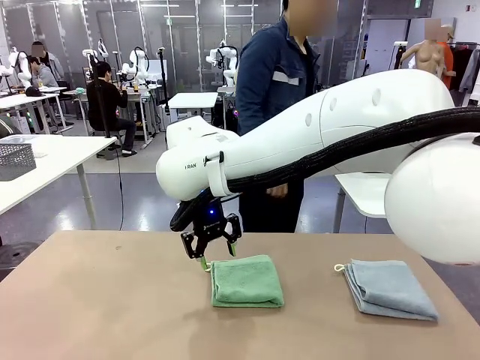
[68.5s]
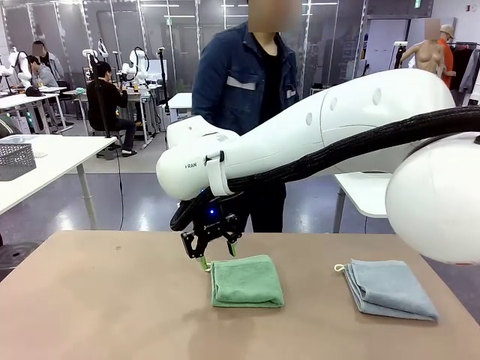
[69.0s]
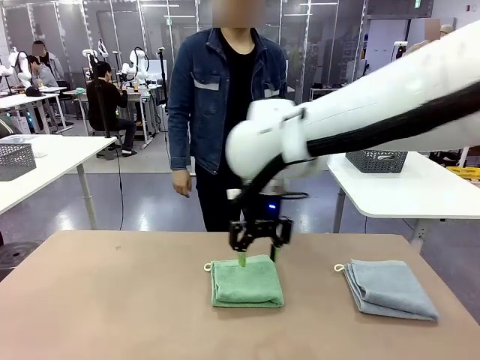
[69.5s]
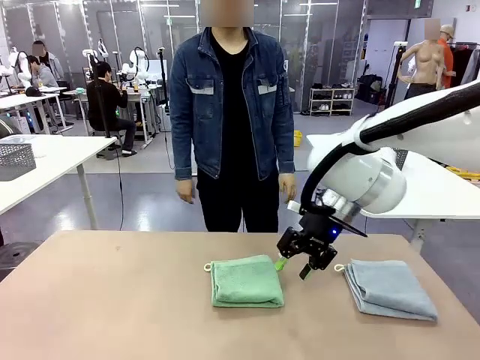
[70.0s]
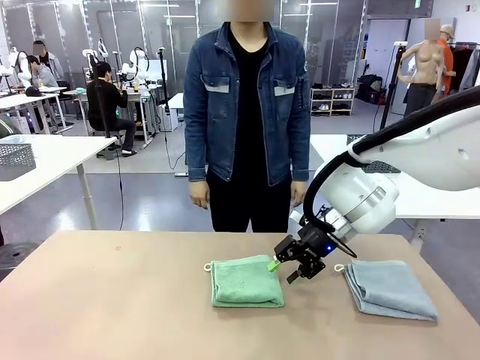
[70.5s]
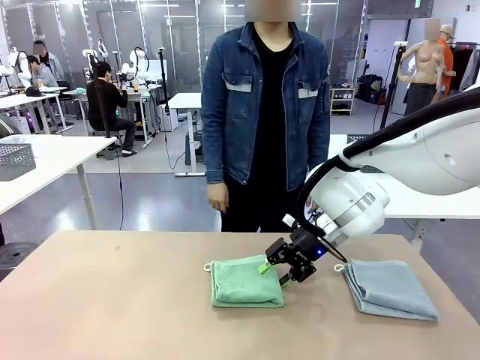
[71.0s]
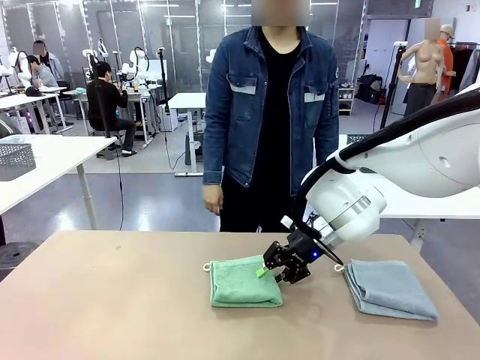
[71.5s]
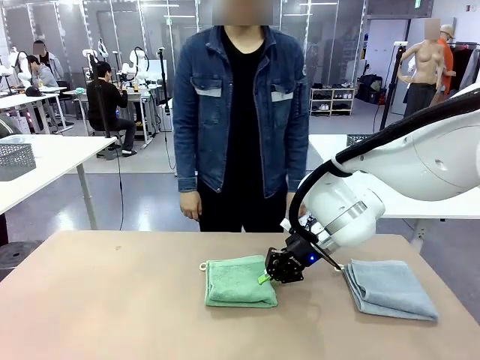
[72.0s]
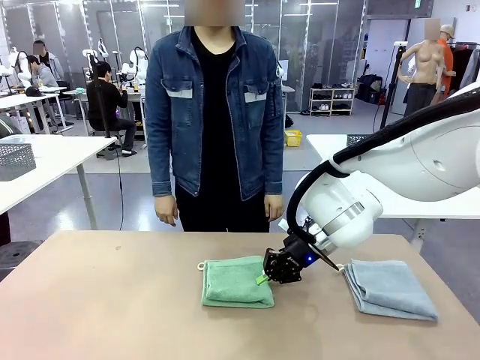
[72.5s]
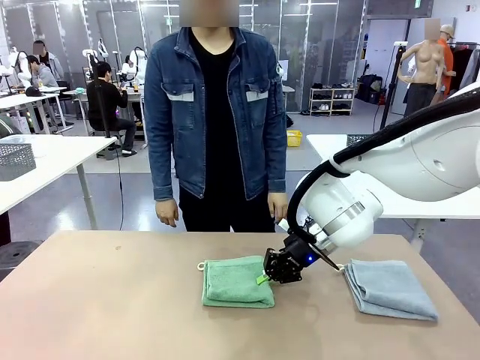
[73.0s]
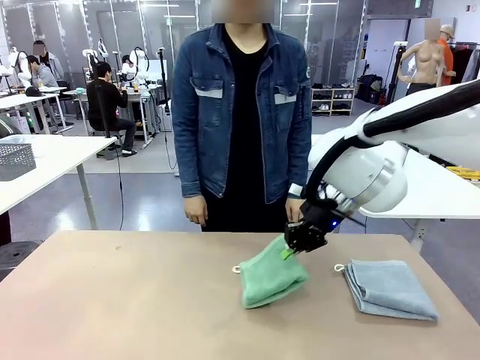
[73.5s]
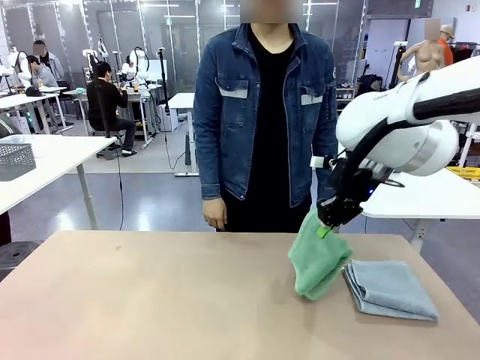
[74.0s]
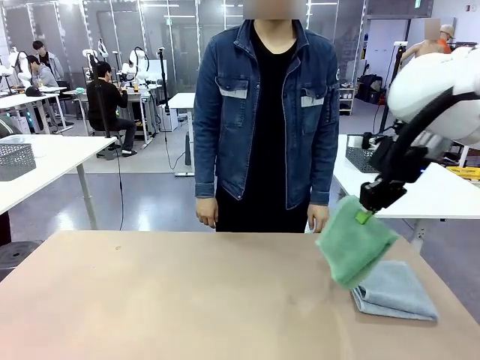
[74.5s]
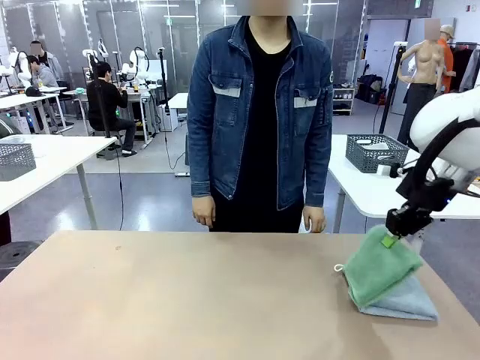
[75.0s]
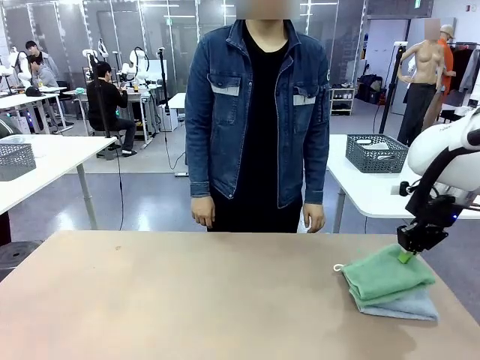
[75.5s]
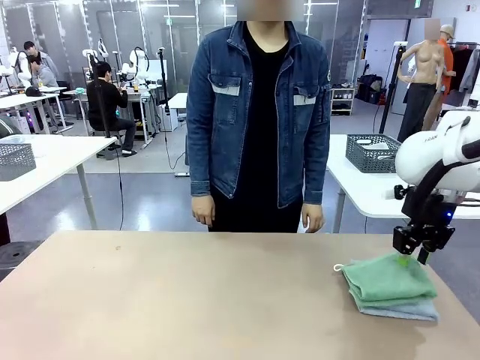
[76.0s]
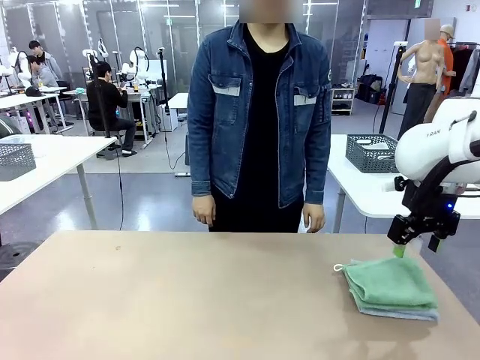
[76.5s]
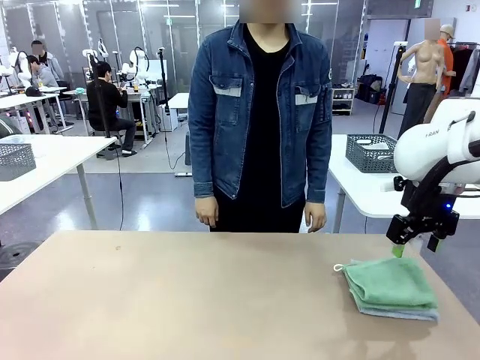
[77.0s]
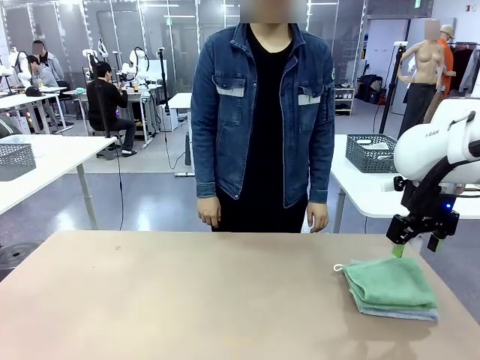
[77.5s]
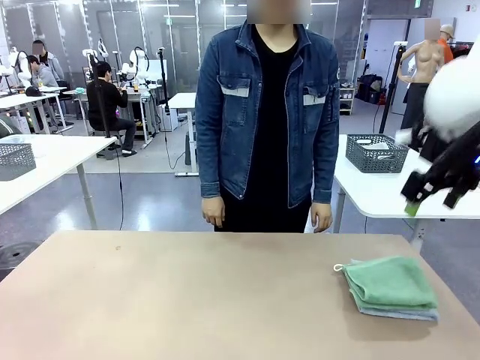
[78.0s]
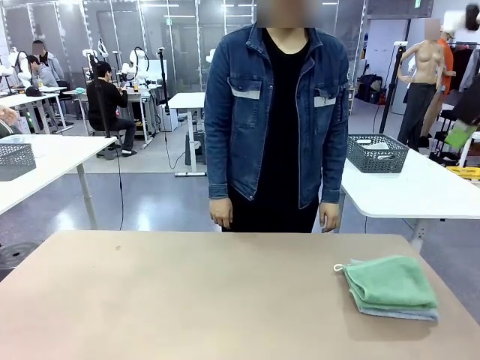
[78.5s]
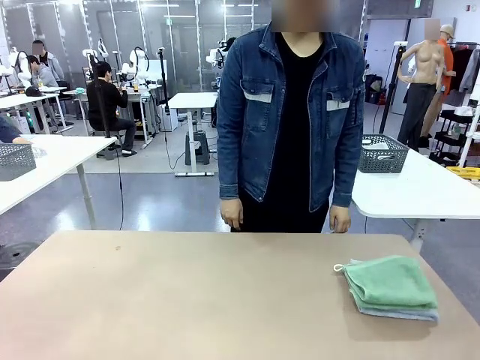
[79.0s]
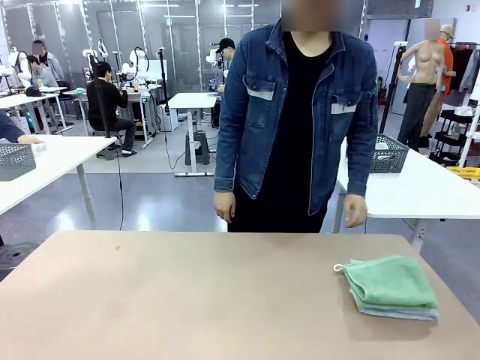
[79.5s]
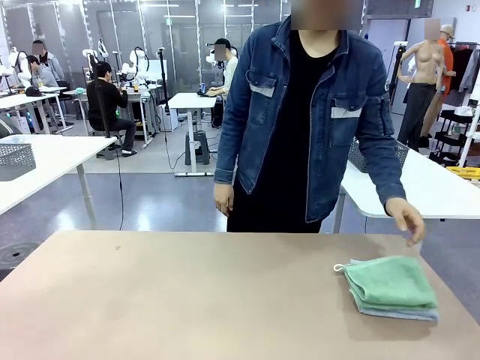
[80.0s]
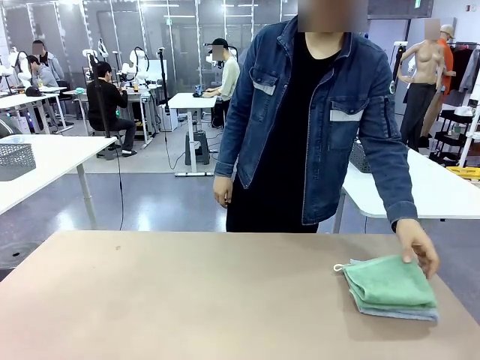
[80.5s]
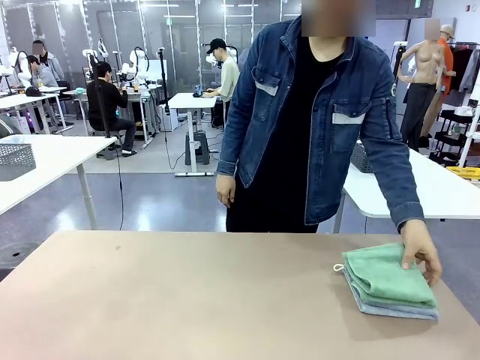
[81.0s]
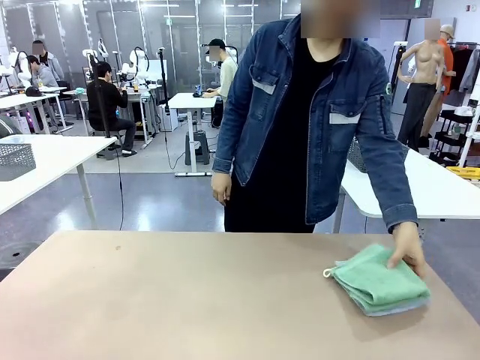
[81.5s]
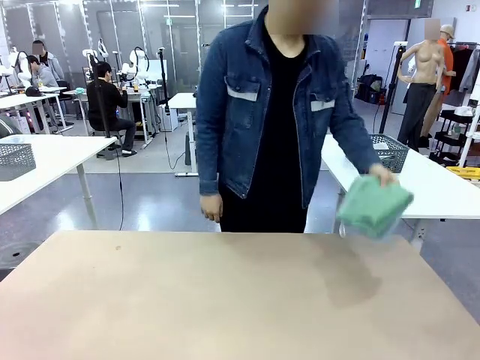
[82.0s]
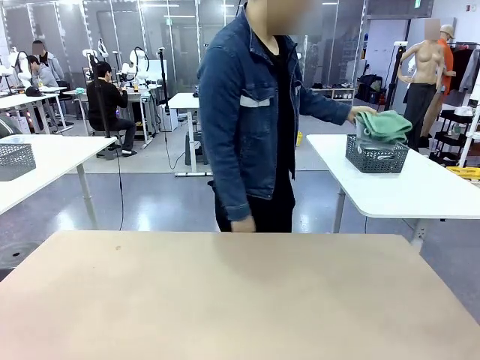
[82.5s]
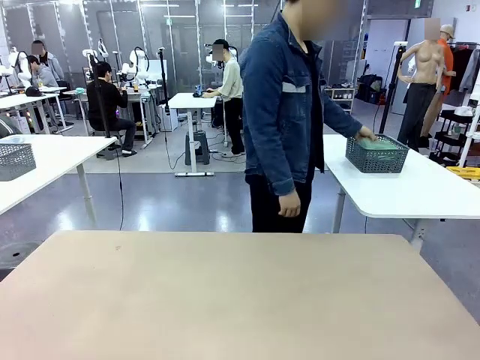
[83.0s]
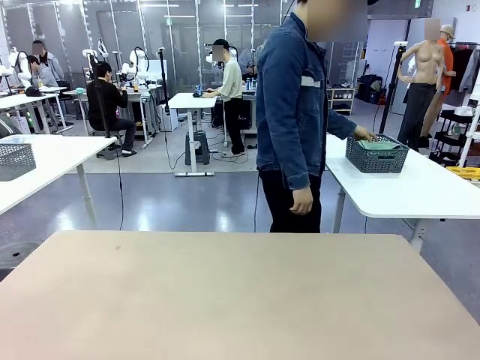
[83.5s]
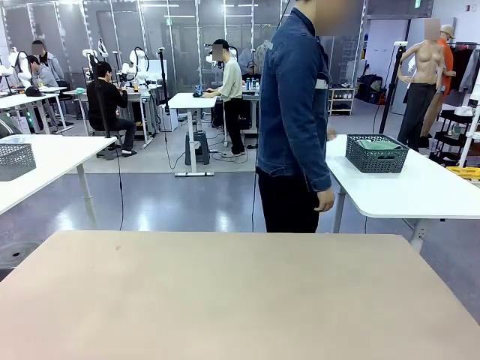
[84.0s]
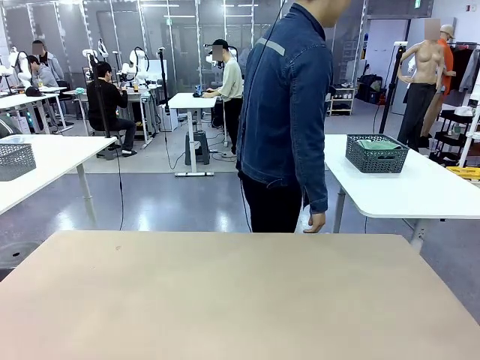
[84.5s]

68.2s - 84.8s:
Task: Fold the towels and place them in the basket.
Robot: Stack the folded Towel with hook on the right side of the table.
Person: Pick up the stack of towels from the robot table and place it into the basket.

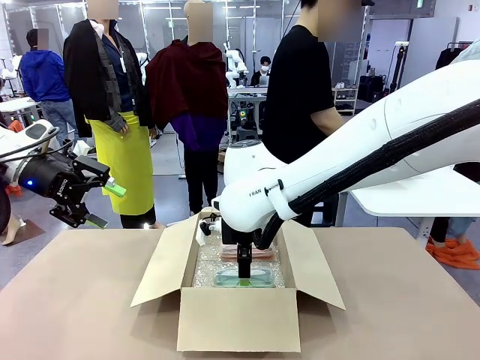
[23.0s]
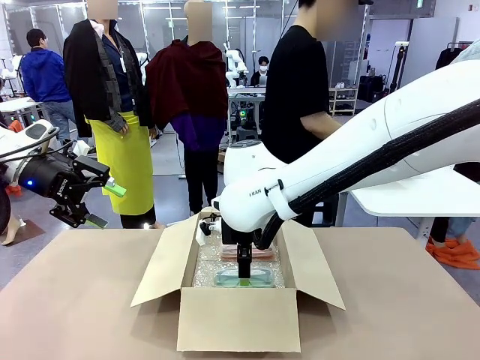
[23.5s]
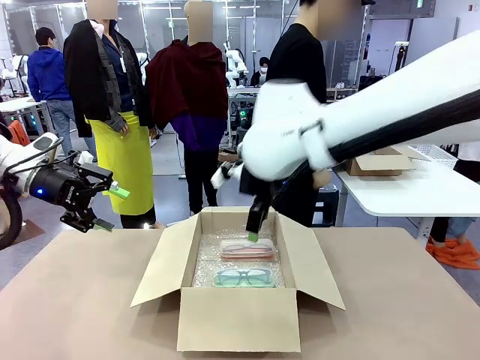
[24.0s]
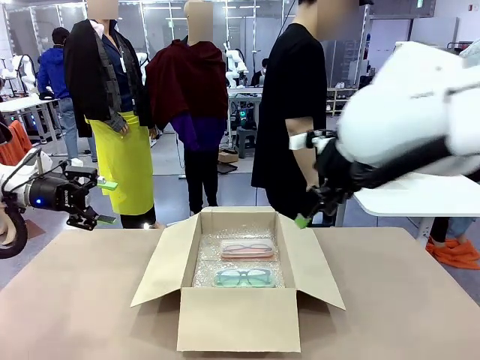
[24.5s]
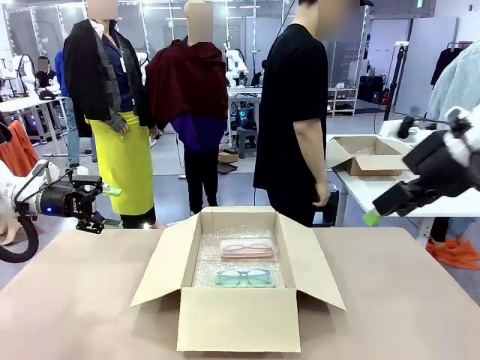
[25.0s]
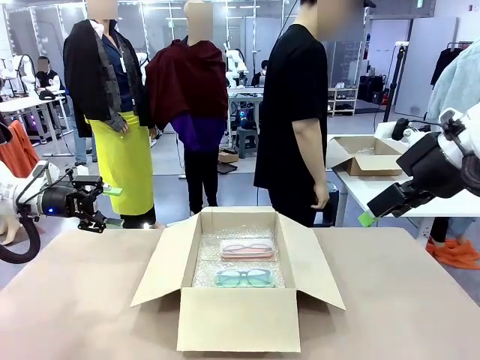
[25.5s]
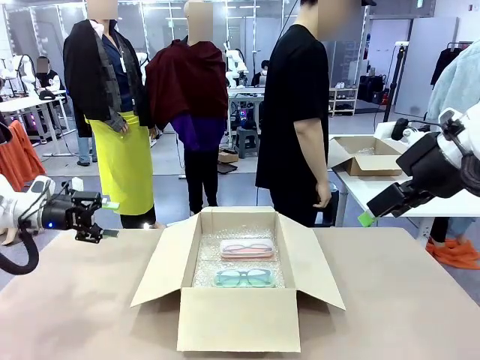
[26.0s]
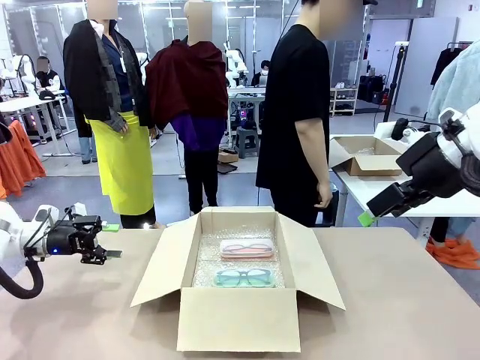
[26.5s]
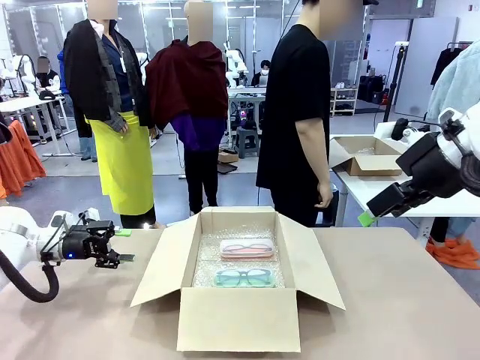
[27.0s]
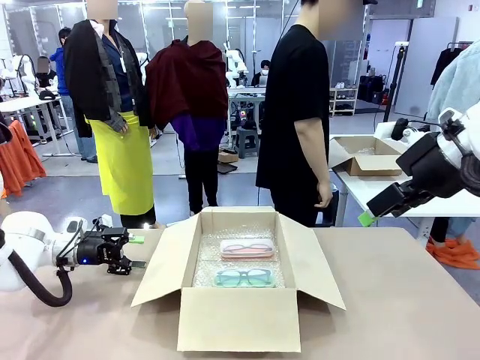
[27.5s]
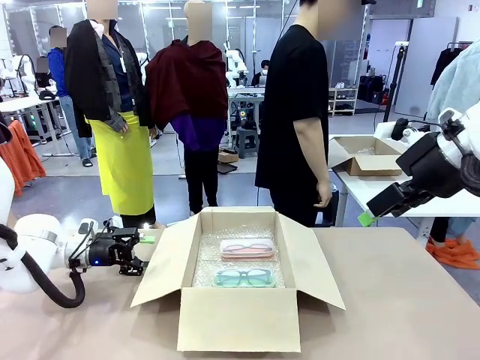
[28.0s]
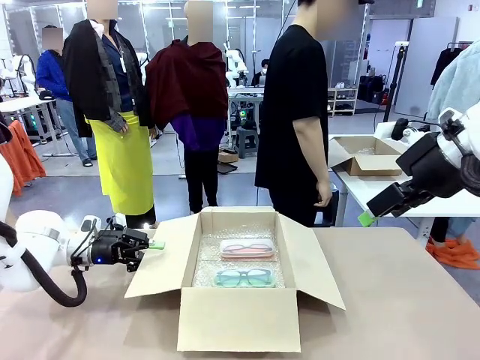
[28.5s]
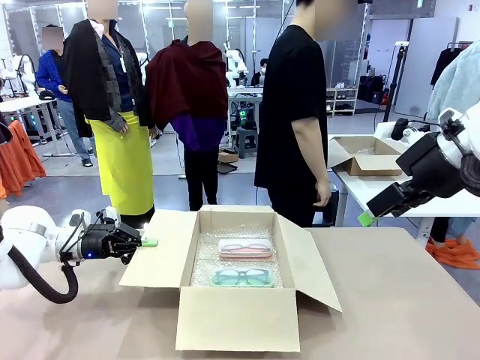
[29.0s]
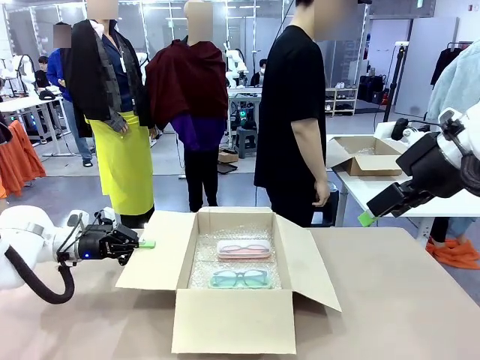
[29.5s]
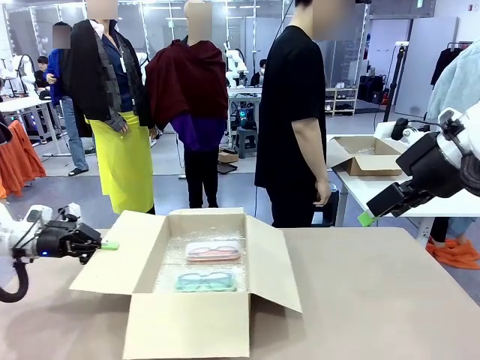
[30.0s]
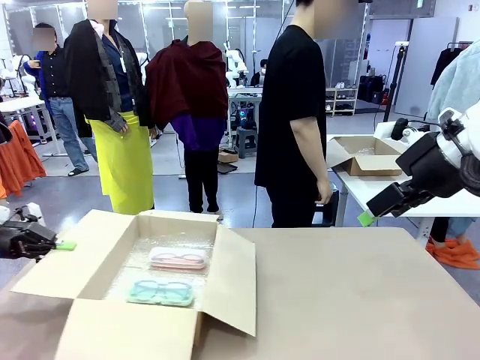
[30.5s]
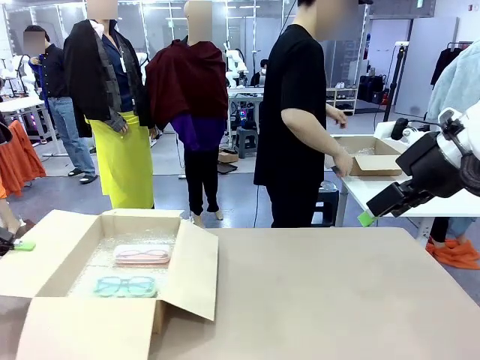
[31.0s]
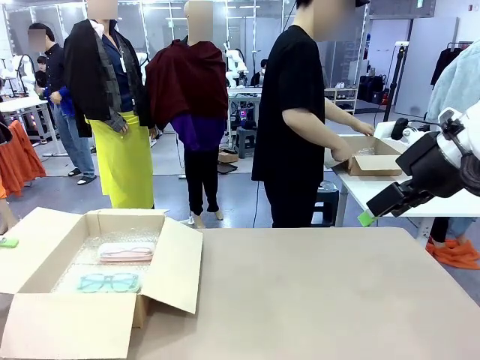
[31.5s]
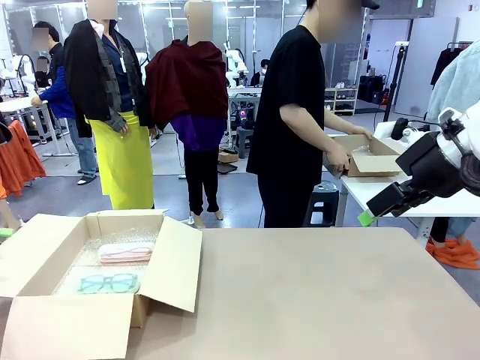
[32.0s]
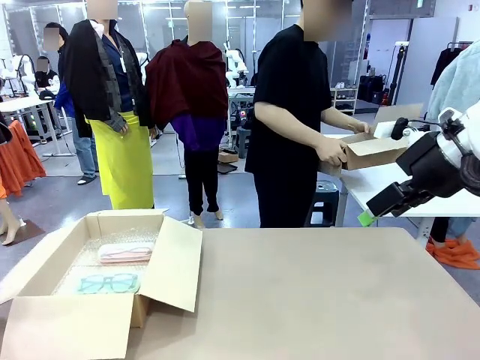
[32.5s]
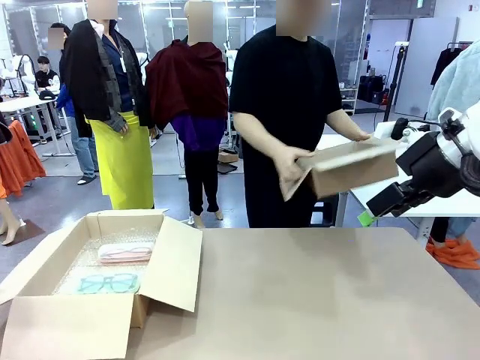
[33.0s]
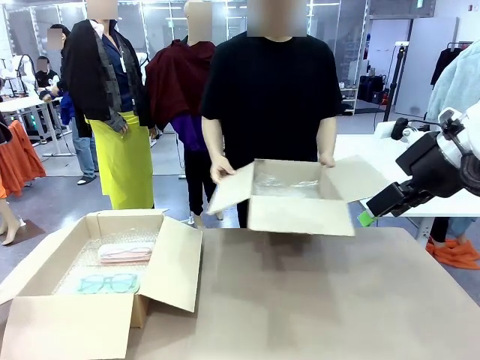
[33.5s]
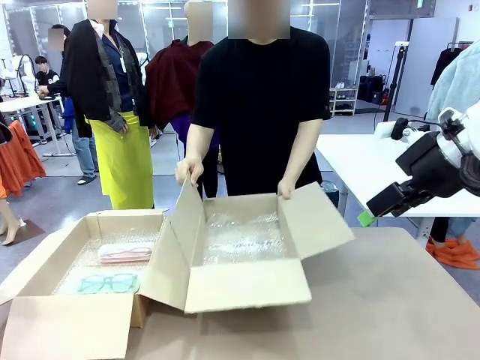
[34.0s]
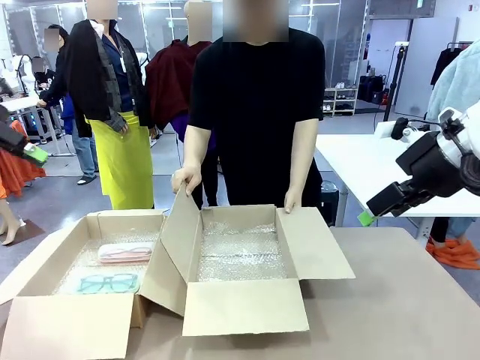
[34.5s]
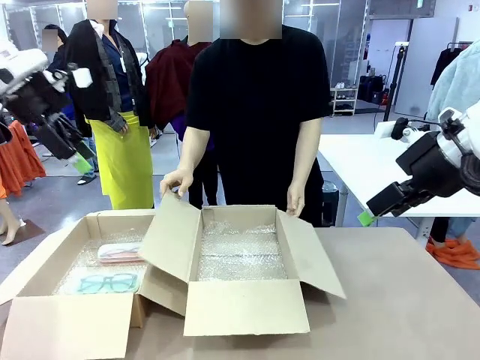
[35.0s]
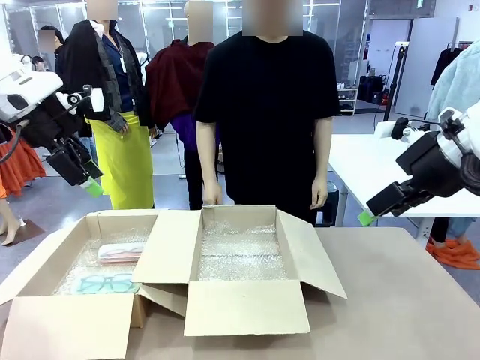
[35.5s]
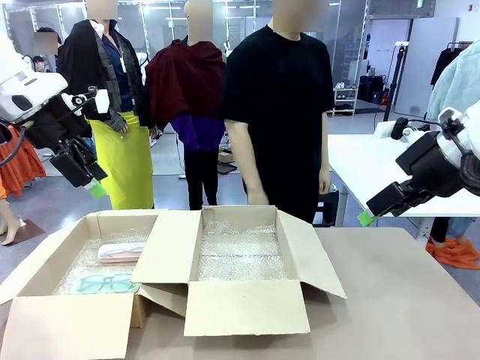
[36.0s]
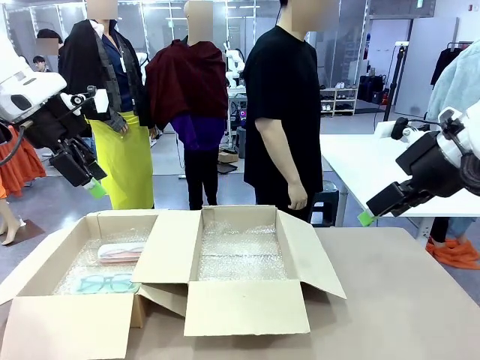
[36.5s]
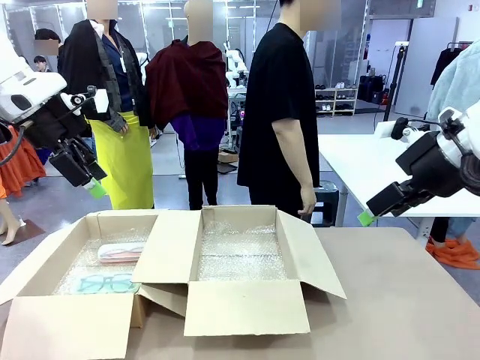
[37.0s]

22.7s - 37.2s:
Task: Pack the glasses set securely to prepare it for shipping.
Robot: Position the Package Box on the left side of the table.
Person: Position the empty Package Box in the middle of the robot's table.
